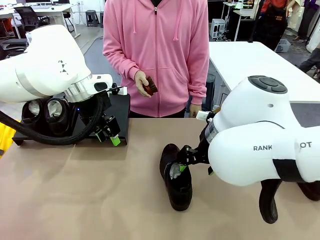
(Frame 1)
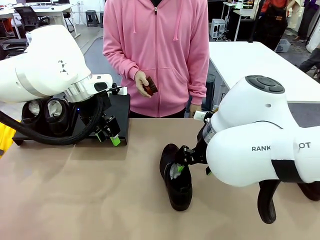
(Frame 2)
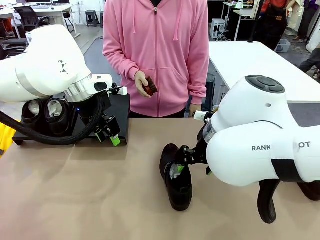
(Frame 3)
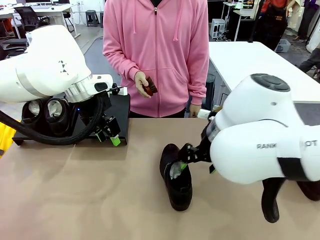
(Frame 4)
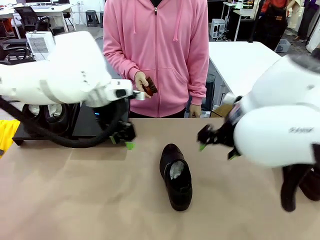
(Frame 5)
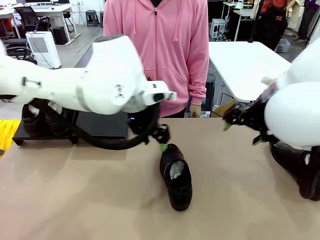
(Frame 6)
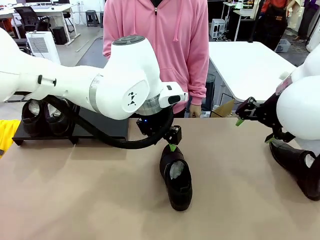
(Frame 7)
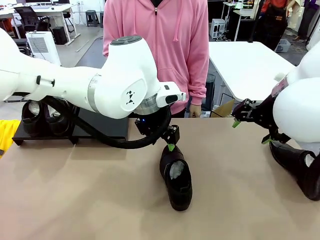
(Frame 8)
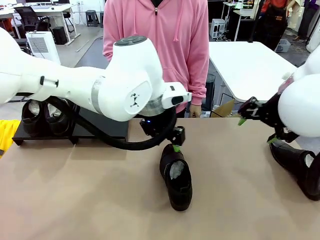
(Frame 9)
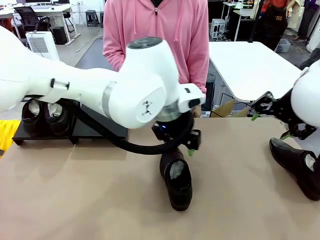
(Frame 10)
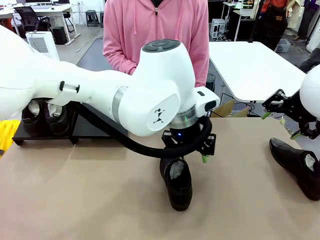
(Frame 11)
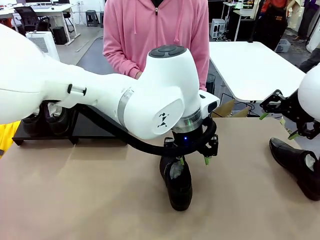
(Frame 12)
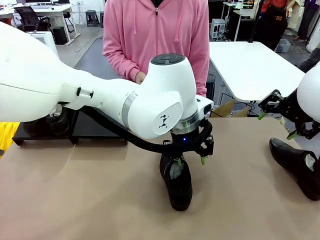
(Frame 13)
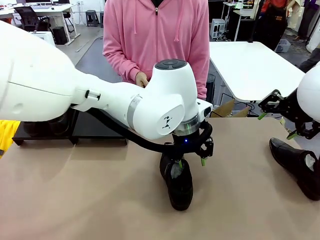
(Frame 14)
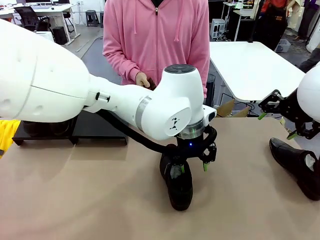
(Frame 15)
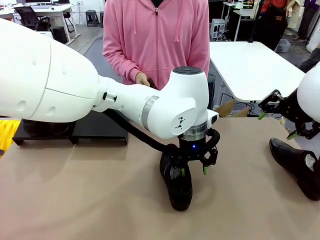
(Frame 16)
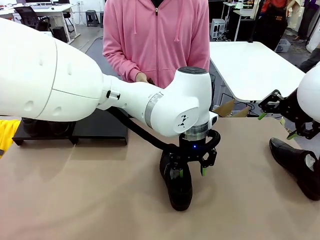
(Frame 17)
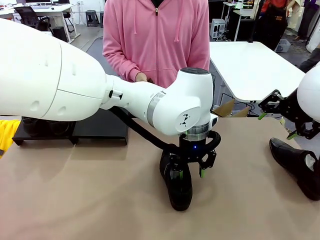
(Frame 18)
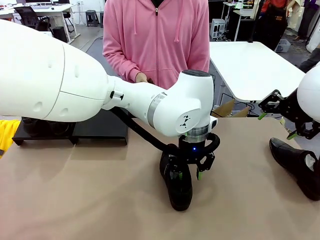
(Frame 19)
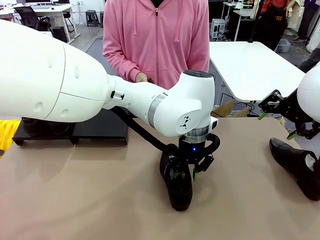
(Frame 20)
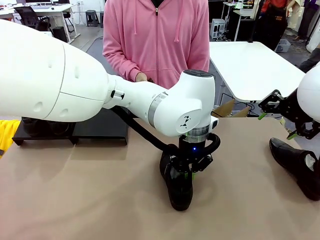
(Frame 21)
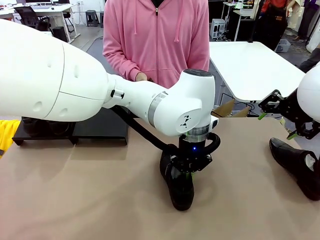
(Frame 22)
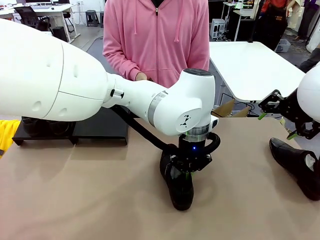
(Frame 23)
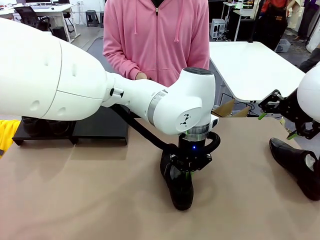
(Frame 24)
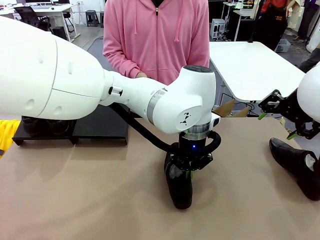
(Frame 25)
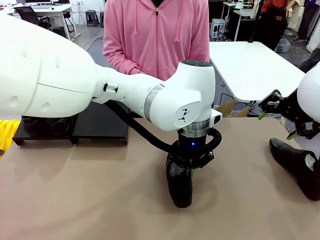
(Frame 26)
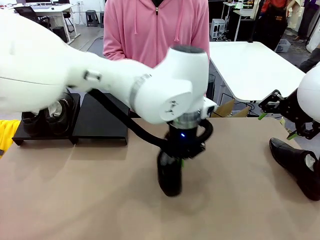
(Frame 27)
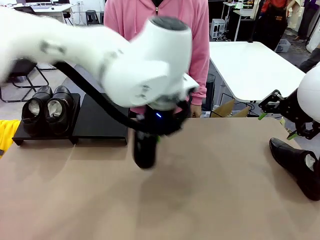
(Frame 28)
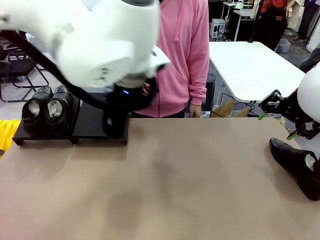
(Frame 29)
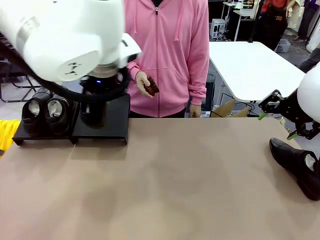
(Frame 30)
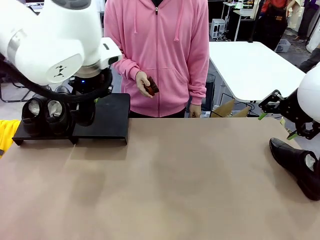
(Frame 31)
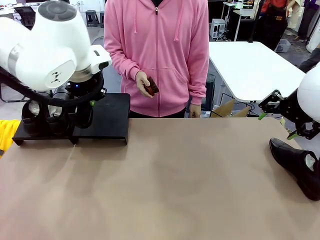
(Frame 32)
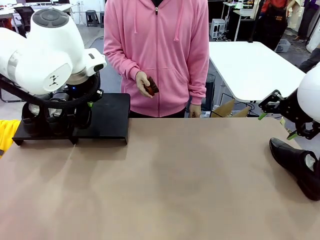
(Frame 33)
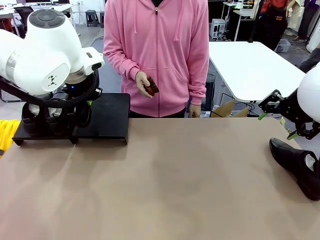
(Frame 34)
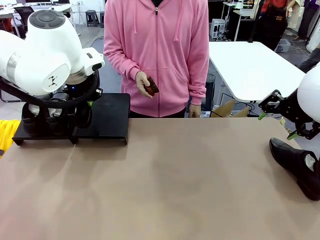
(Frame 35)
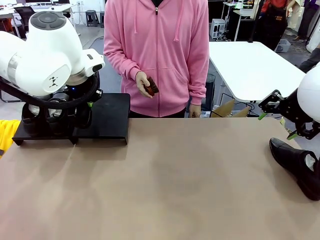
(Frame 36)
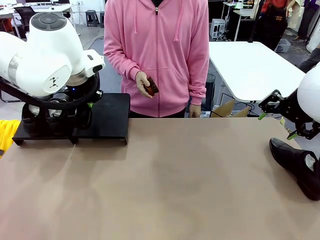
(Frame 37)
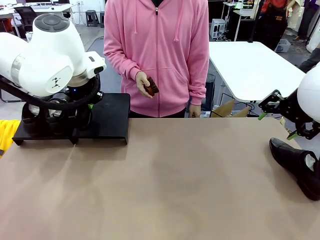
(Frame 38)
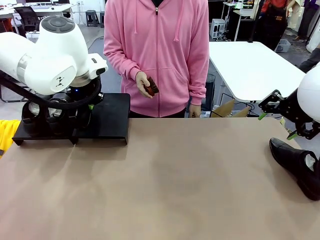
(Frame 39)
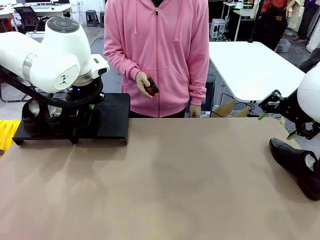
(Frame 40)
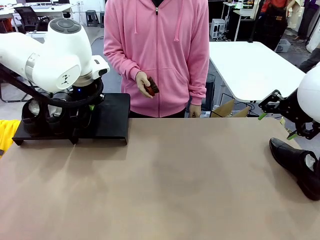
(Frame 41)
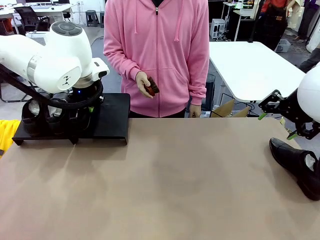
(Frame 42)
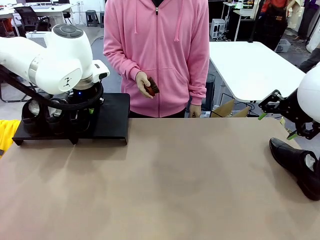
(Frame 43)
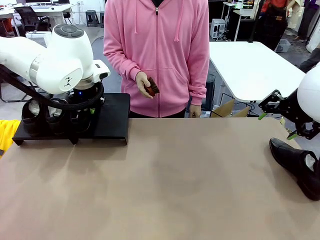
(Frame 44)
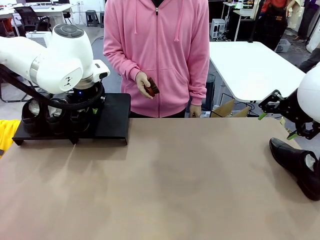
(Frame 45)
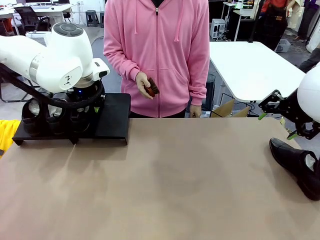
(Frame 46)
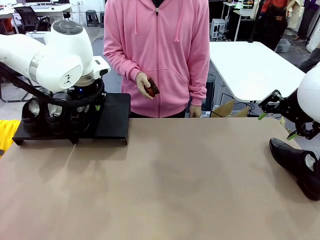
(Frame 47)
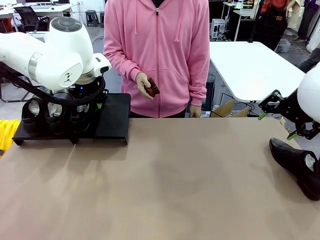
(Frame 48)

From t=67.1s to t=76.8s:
Task: Organize the shoes by placing them on the stand.
Robot: Place the Shoe from the middle of the table onto the Shoes Stand.

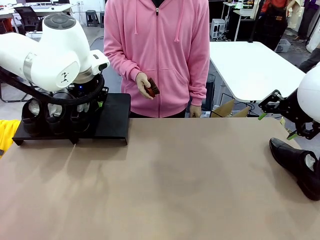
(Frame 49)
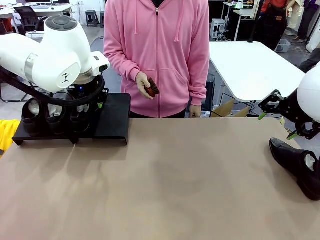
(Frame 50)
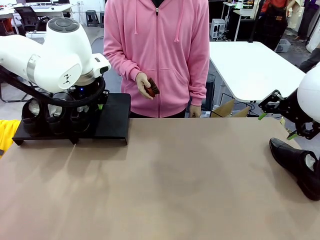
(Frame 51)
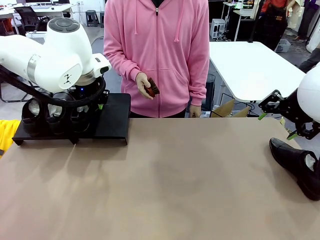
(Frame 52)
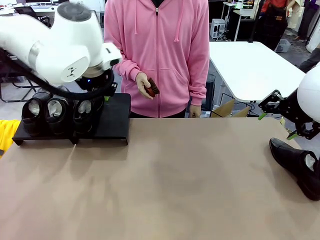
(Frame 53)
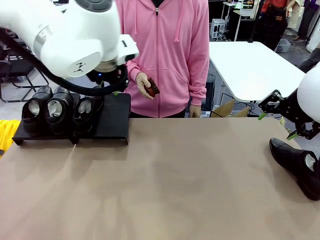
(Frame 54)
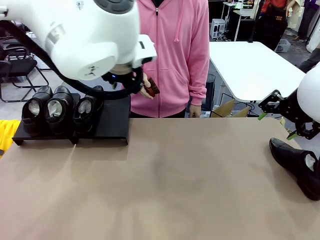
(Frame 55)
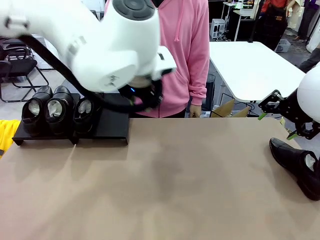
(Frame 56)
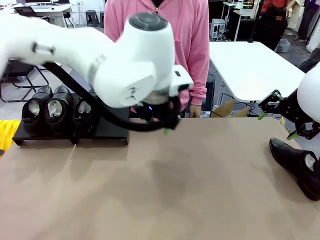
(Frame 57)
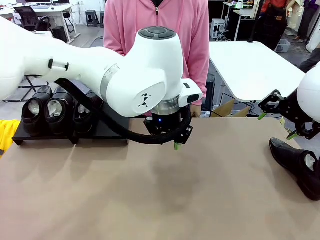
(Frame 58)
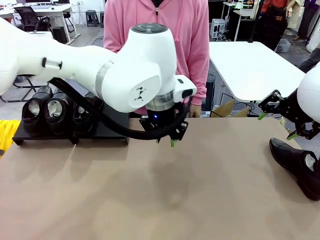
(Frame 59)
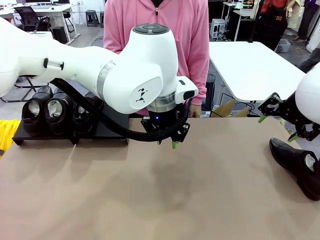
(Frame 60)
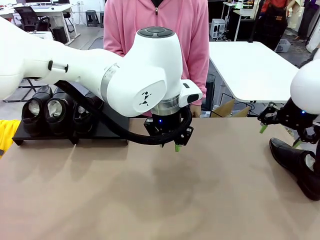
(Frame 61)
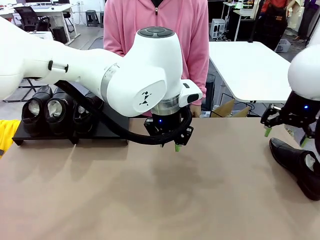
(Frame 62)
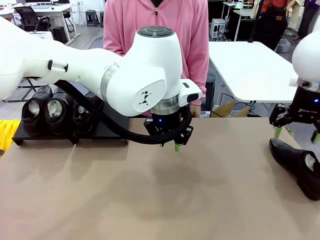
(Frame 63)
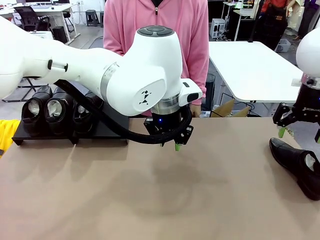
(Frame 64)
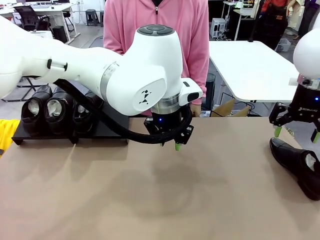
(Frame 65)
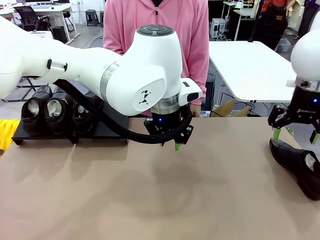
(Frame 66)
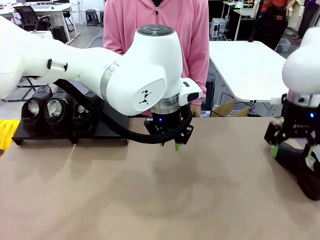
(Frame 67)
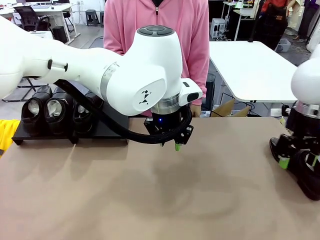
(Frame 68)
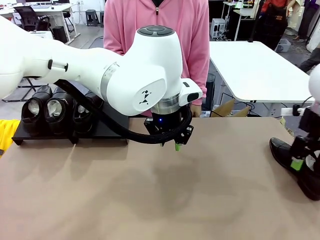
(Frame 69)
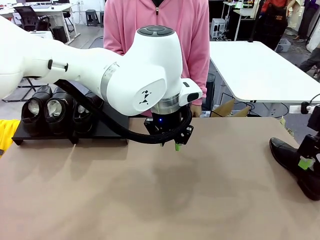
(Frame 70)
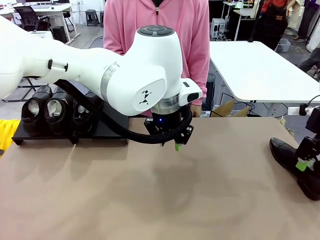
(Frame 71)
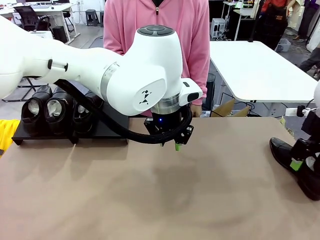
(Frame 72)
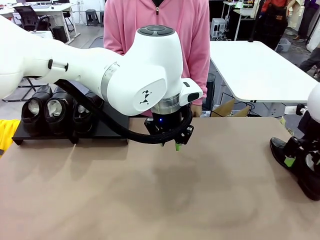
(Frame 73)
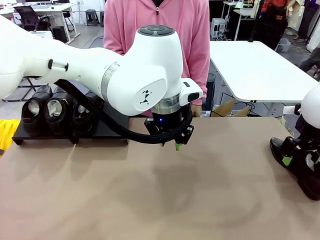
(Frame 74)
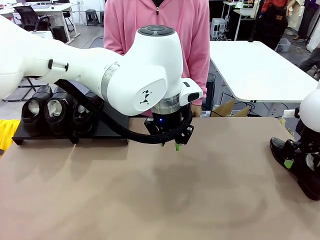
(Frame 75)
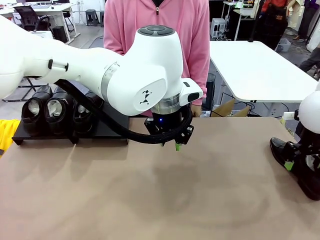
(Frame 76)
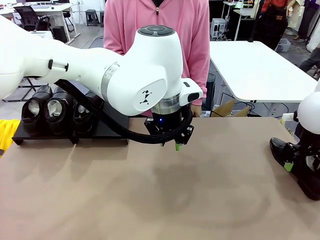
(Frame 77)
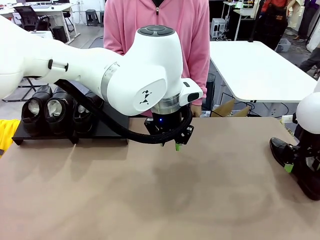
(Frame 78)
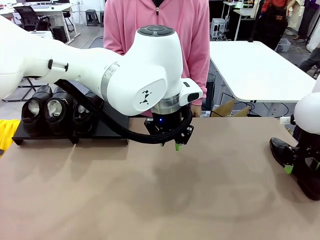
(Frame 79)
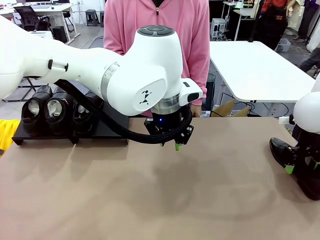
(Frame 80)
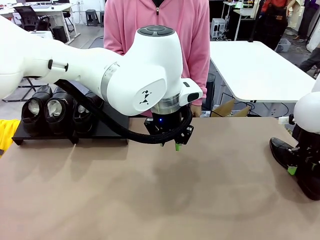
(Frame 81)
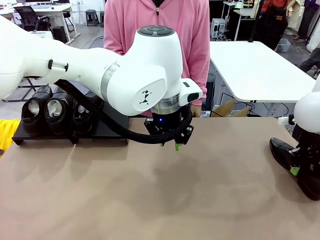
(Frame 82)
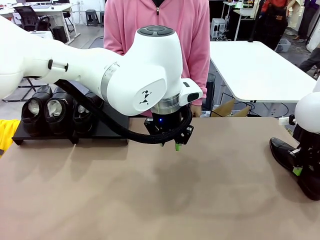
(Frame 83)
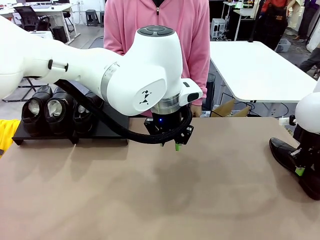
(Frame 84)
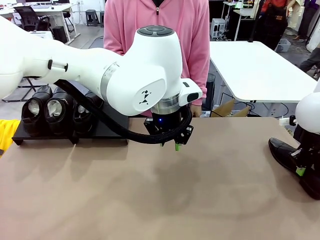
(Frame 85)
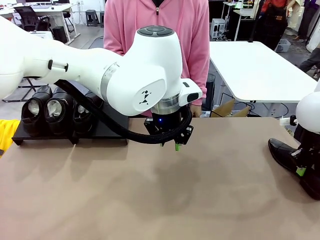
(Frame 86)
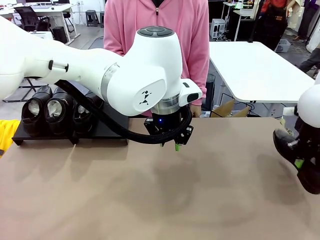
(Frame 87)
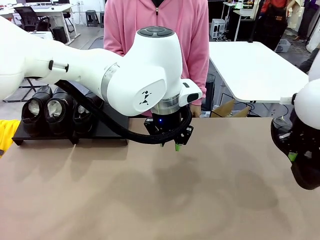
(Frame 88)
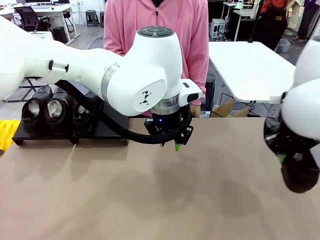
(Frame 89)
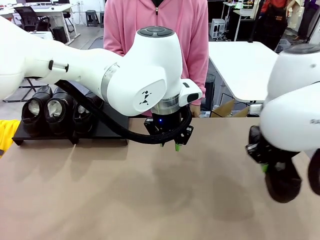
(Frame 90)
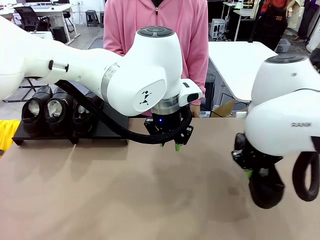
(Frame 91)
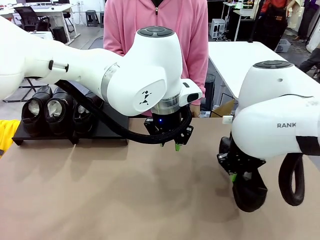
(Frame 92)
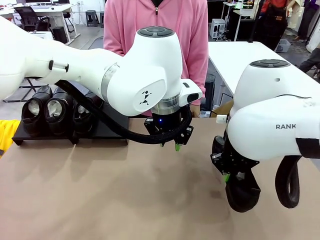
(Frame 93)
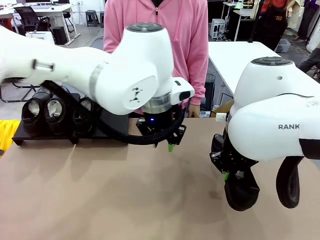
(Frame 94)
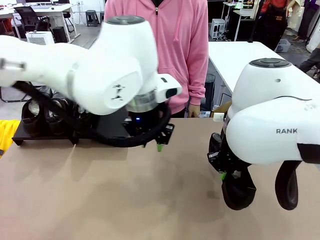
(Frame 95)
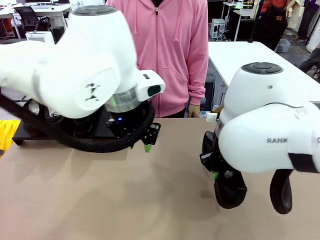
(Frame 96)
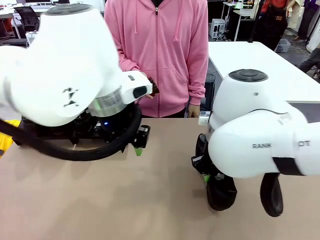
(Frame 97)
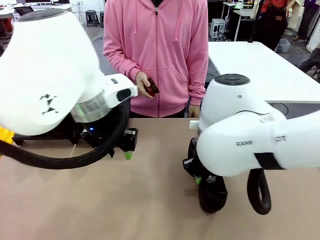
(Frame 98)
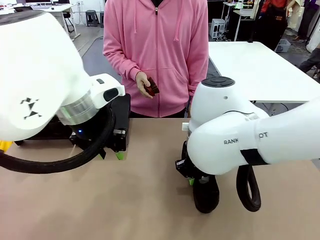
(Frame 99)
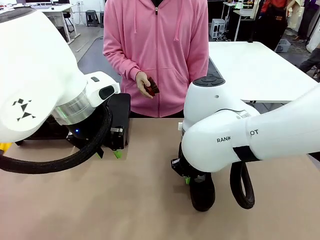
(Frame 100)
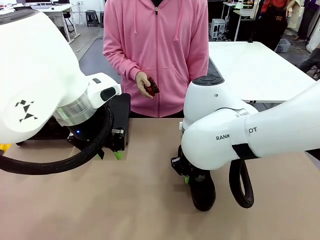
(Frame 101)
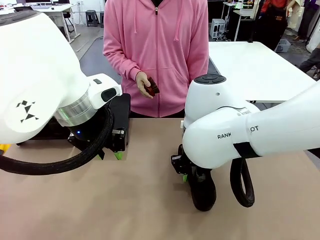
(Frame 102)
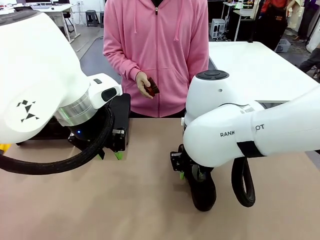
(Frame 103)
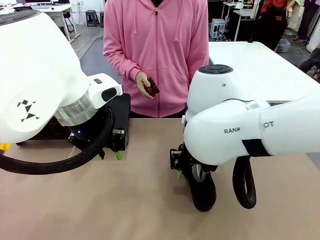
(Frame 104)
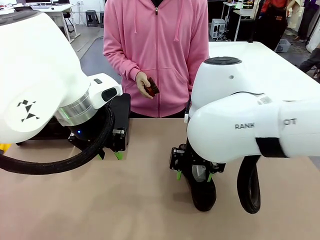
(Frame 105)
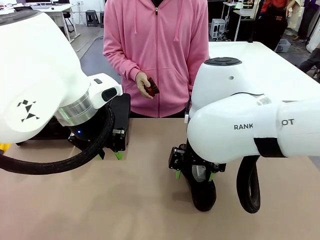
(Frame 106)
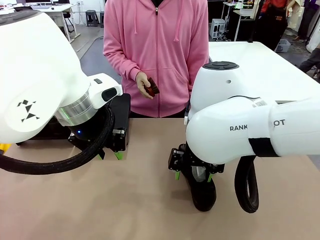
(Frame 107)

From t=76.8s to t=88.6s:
Robot: Pick up one Shoe and place it in the middle of the table.
